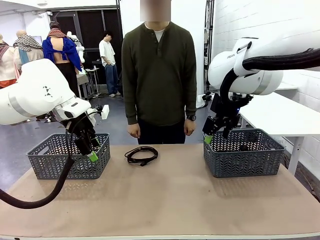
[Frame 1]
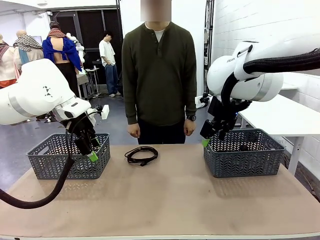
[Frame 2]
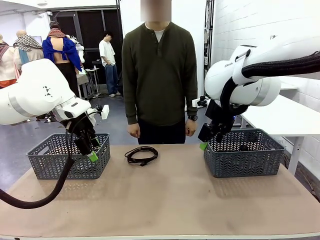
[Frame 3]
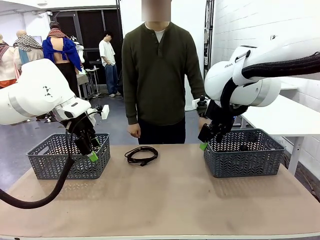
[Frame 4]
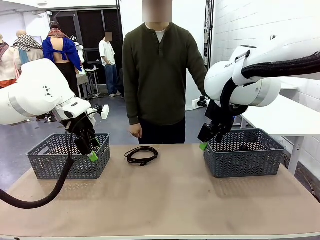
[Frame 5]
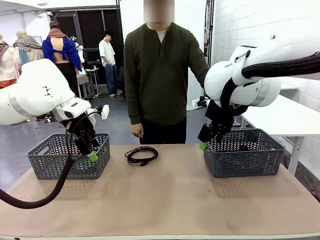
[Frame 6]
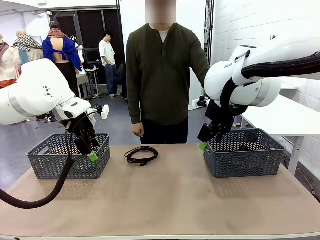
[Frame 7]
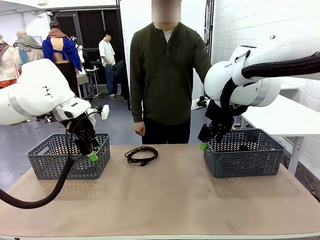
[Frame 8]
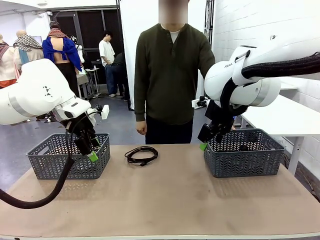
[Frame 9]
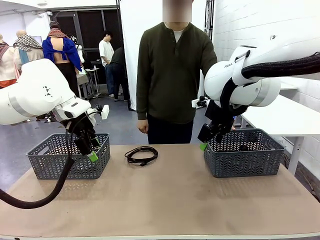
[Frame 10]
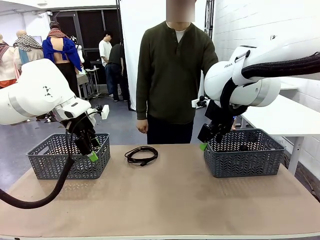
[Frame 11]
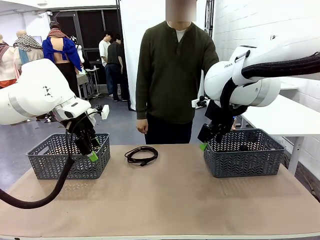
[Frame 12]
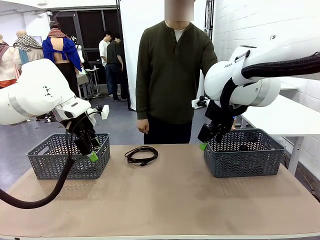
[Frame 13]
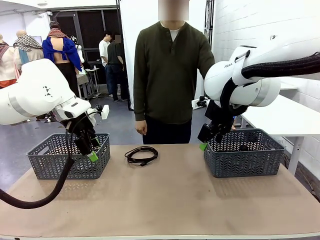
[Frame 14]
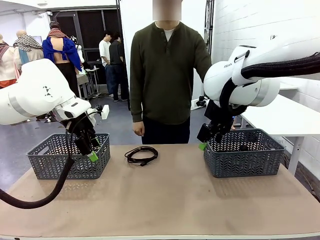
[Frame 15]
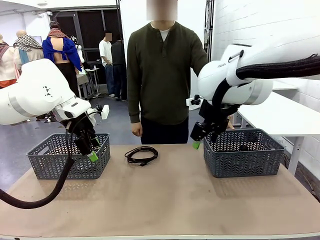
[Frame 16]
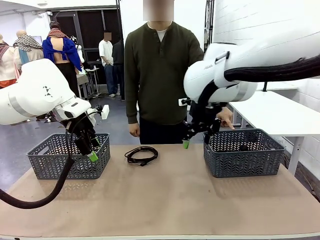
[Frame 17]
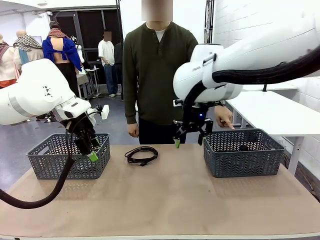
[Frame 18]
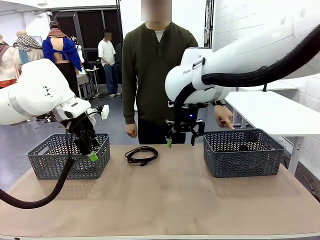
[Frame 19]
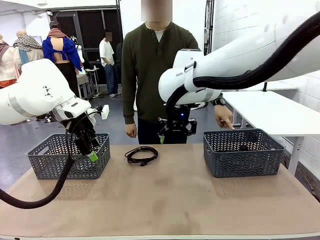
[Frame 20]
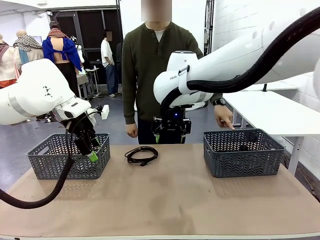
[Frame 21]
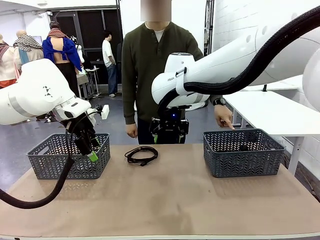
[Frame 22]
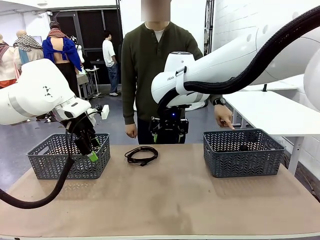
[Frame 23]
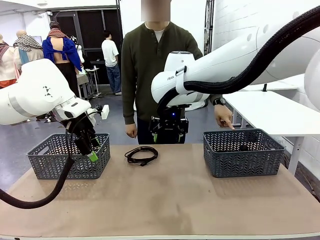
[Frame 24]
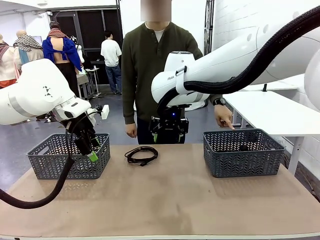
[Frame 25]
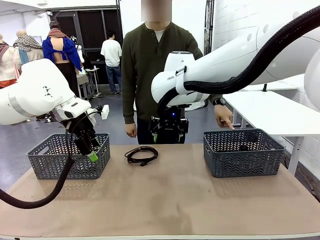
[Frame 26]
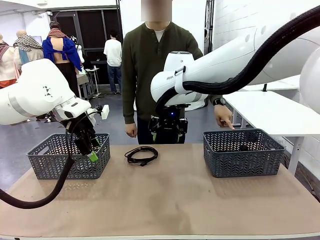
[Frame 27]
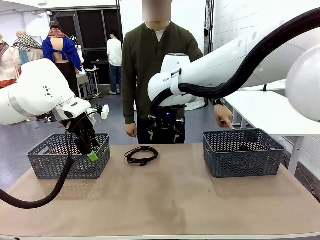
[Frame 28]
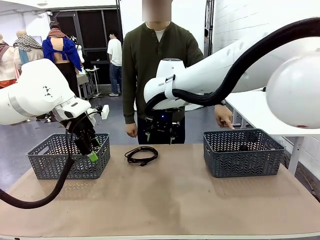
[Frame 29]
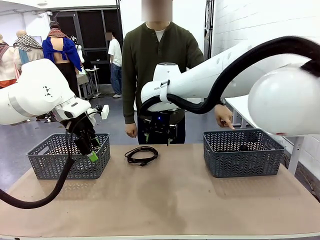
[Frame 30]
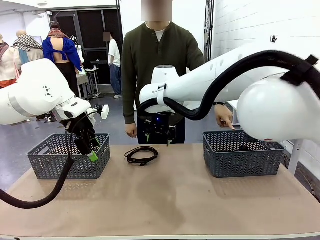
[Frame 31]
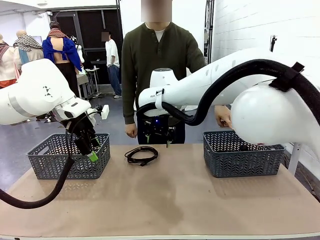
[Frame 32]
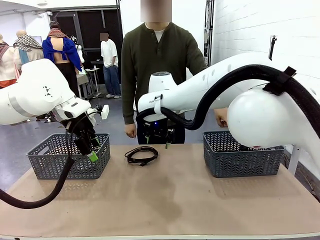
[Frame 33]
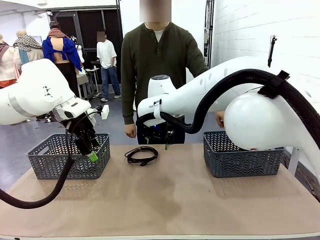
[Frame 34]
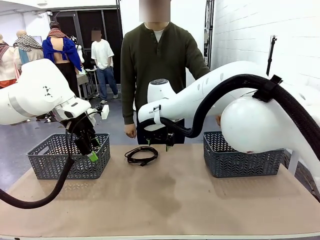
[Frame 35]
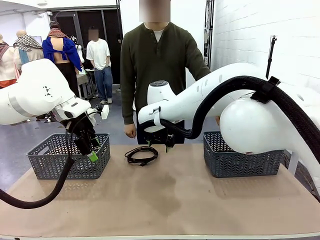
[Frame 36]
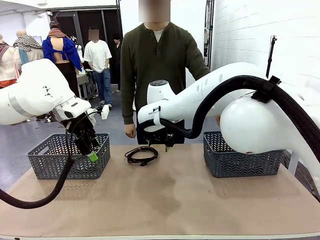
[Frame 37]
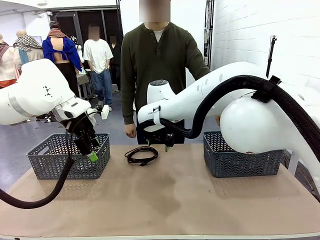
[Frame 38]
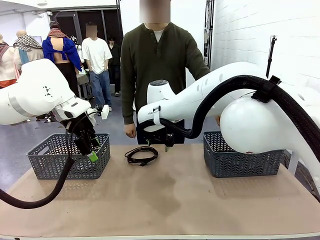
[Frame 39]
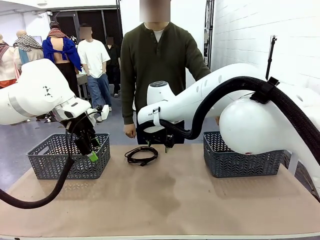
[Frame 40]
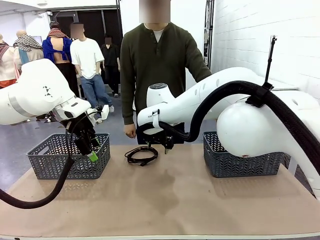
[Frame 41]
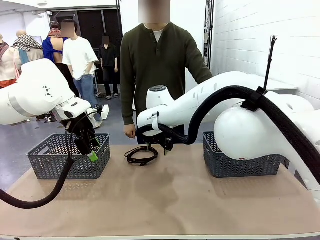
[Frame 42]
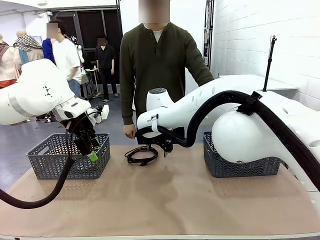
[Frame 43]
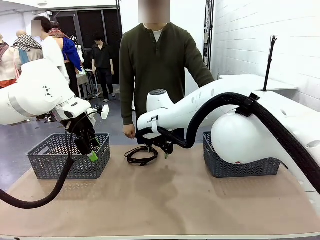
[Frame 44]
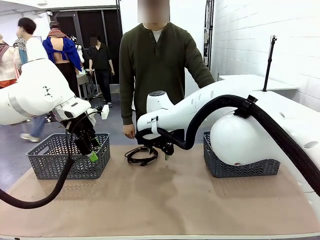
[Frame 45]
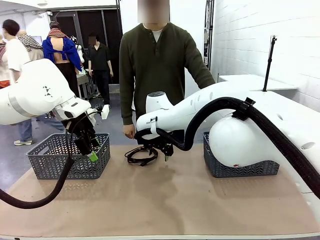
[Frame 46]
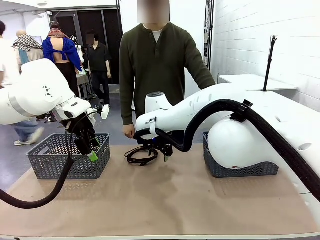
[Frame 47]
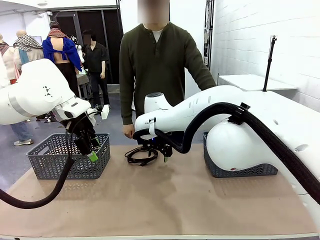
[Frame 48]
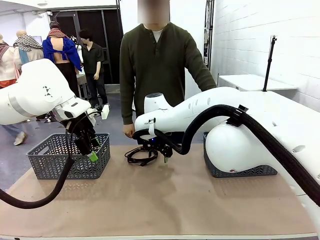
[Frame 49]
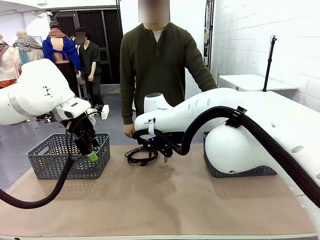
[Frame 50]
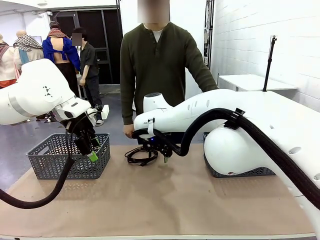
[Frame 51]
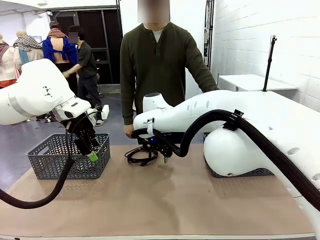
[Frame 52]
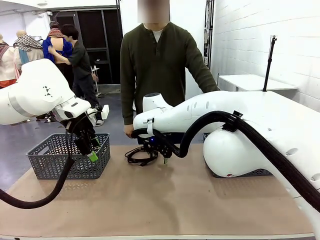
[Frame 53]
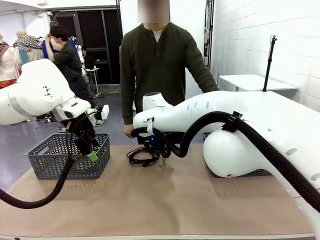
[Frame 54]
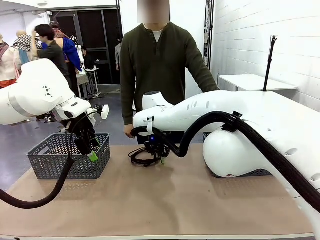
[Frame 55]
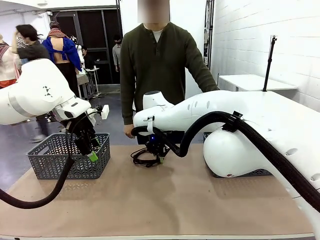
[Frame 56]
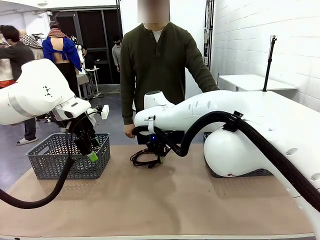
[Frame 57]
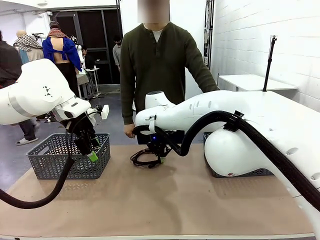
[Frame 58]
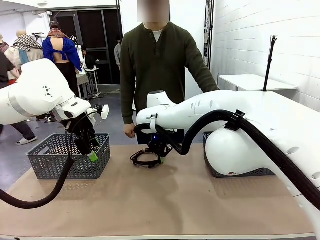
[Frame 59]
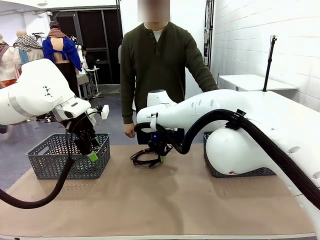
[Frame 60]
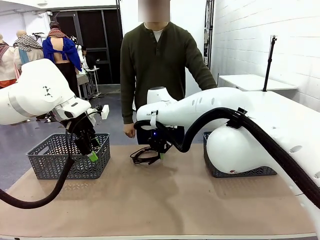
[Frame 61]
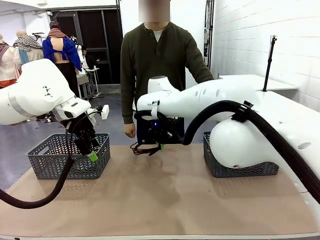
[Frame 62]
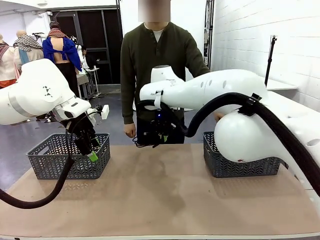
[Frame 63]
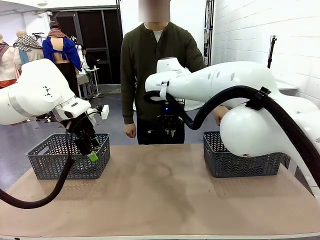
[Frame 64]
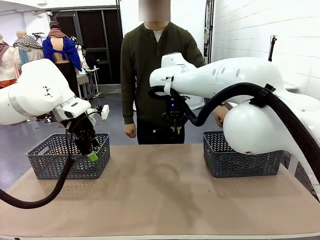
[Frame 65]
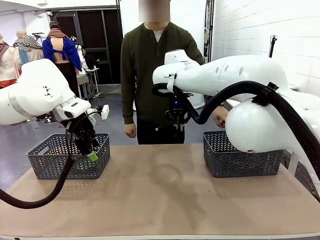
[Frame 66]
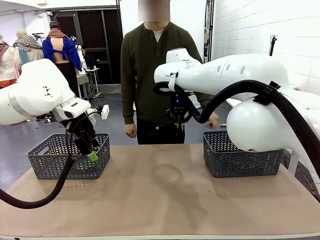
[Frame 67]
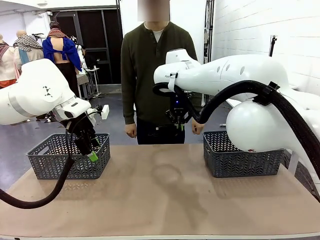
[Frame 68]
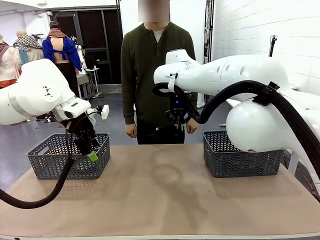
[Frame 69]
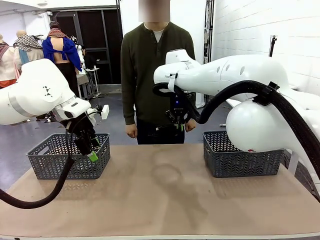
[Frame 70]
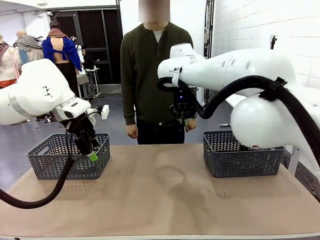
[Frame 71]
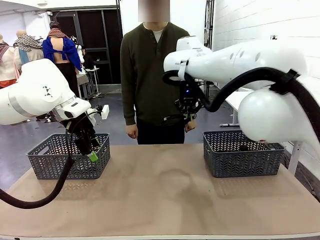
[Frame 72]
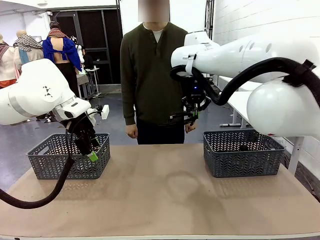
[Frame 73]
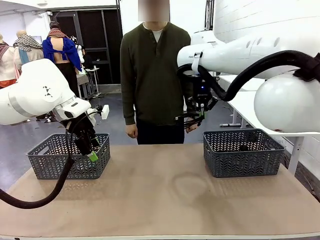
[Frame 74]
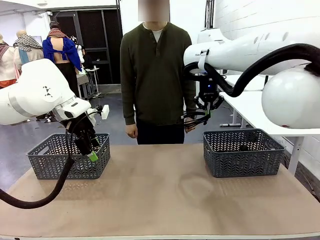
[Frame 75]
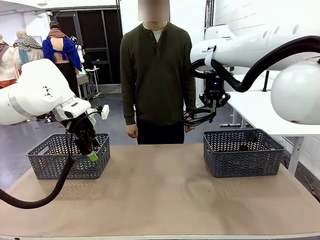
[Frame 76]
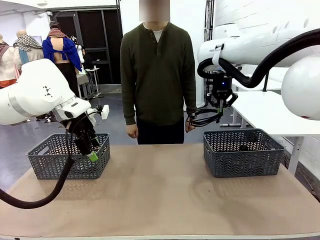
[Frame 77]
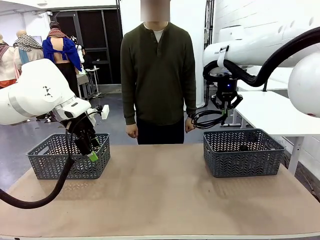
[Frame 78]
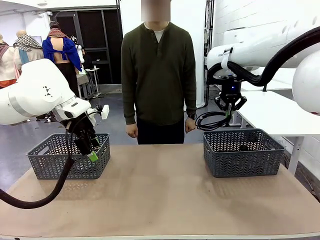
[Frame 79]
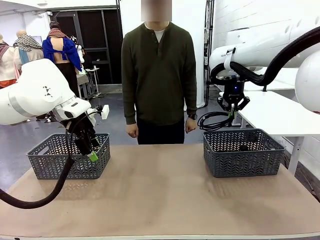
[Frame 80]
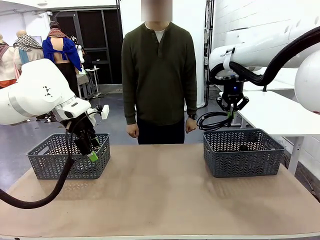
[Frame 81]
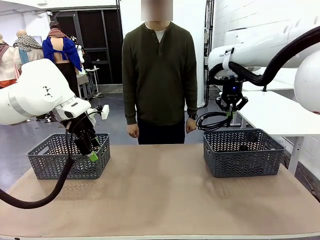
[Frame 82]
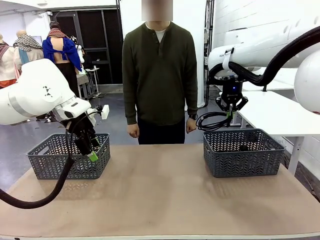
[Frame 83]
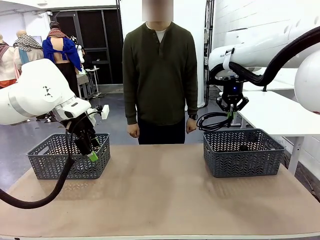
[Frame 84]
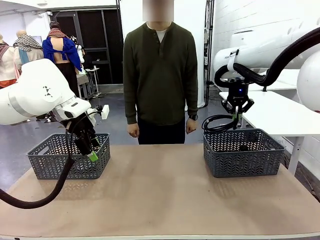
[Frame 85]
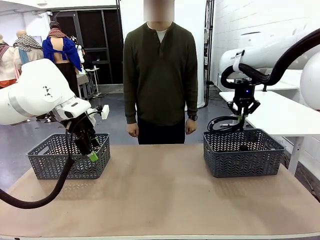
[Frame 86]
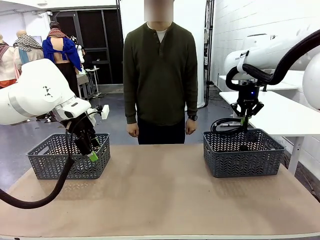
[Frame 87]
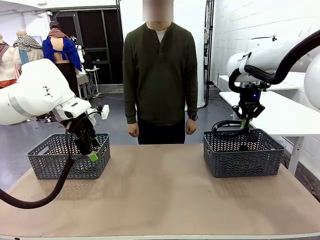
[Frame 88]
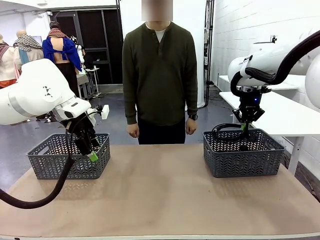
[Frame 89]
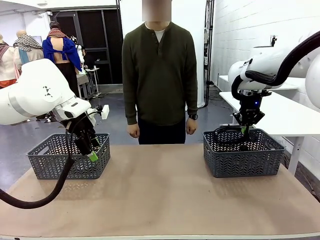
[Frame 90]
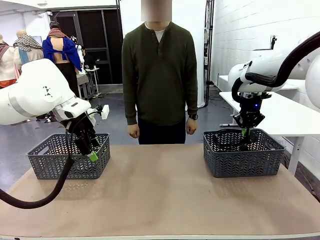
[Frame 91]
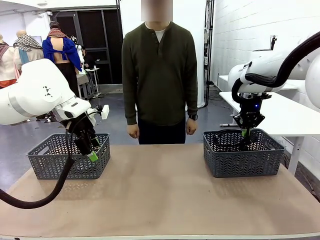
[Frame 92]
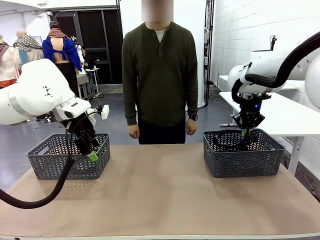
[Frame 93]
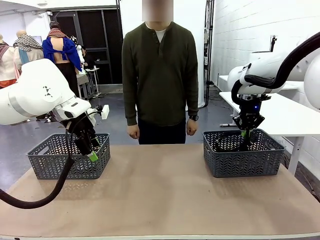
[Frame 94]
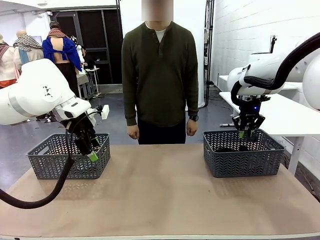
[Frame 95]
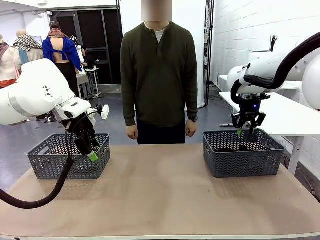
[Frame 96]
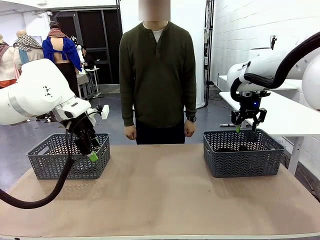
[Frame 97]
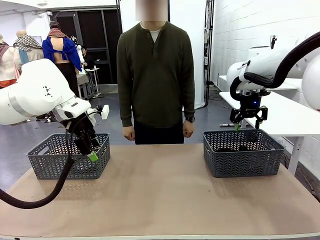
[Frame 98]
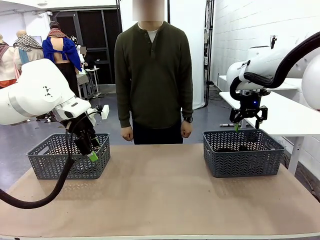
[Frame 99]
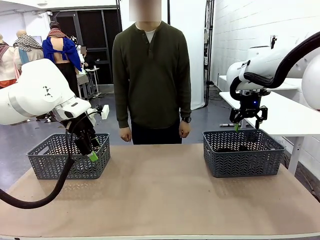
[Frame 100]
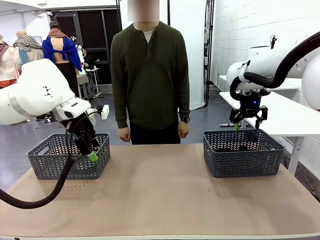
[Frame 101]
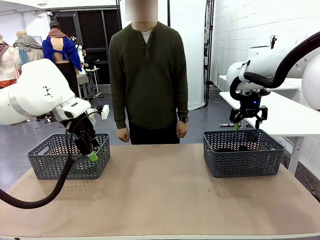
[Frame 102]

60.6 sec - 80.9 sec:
Task: Organize the cables according to human instructions.
Robot: Pick up a bundle of cables and place it in the basket indicated by the human.
